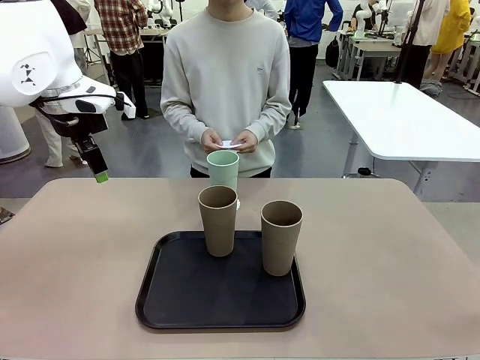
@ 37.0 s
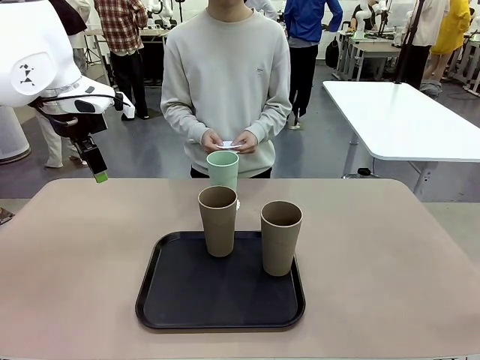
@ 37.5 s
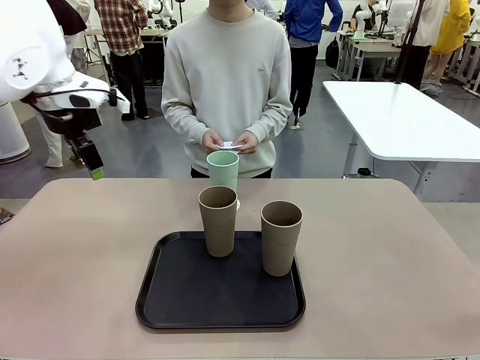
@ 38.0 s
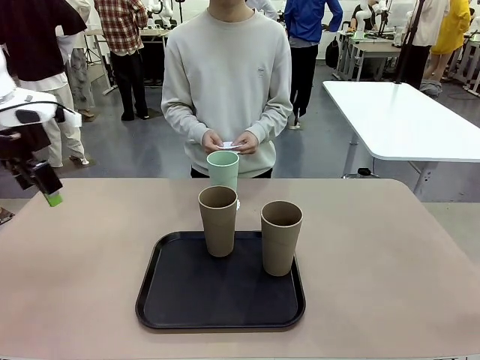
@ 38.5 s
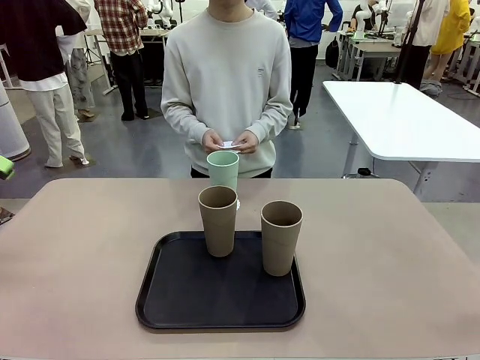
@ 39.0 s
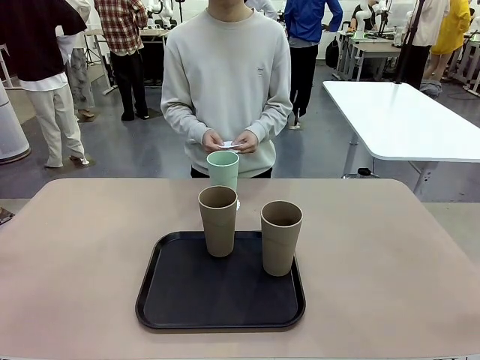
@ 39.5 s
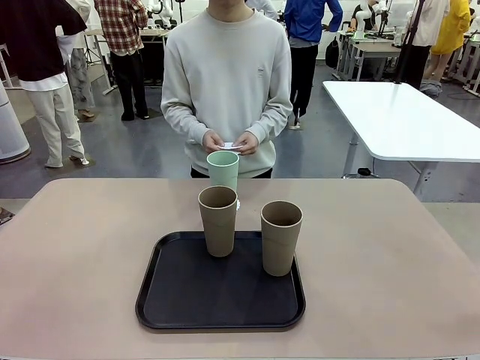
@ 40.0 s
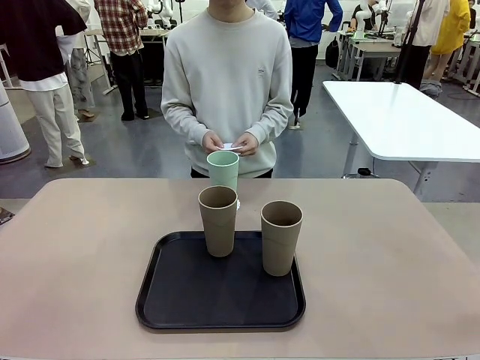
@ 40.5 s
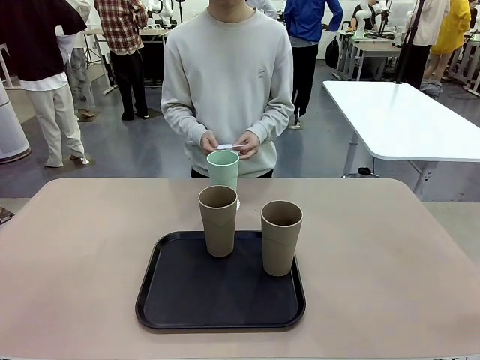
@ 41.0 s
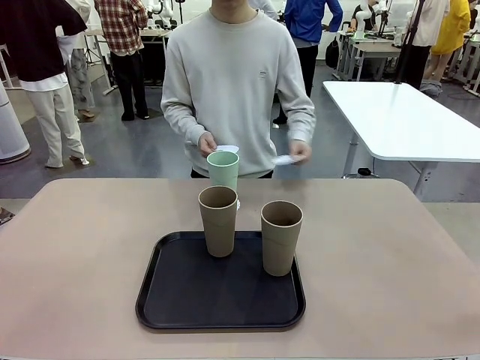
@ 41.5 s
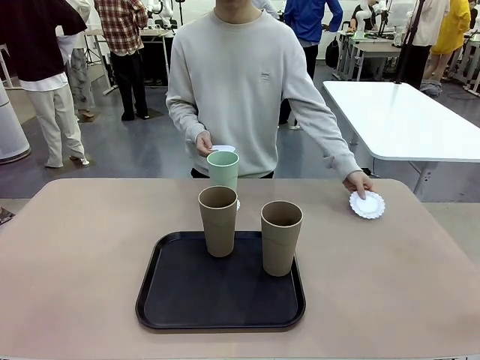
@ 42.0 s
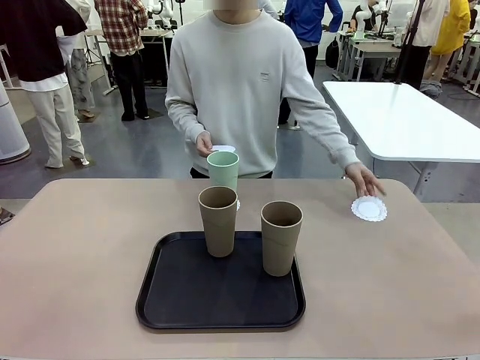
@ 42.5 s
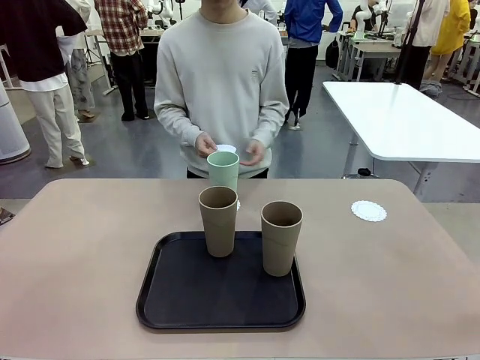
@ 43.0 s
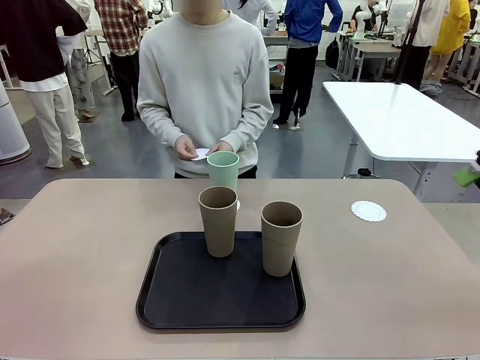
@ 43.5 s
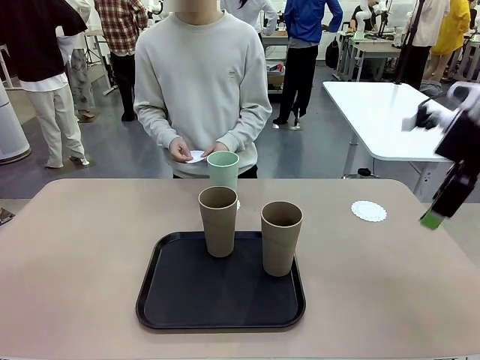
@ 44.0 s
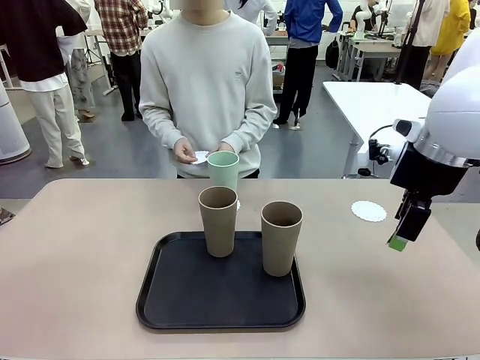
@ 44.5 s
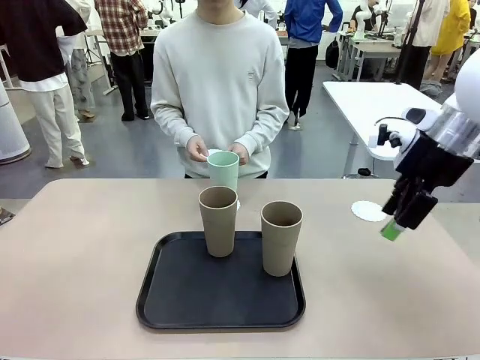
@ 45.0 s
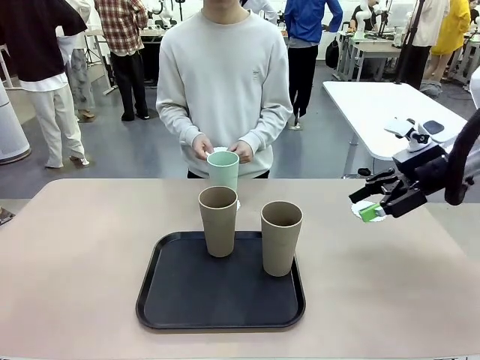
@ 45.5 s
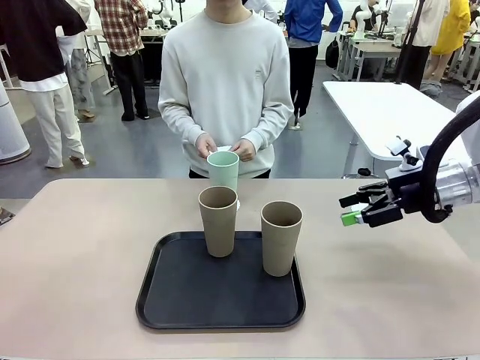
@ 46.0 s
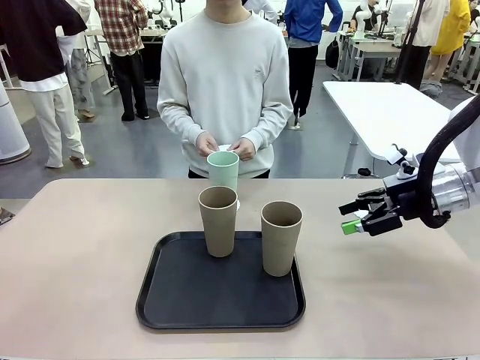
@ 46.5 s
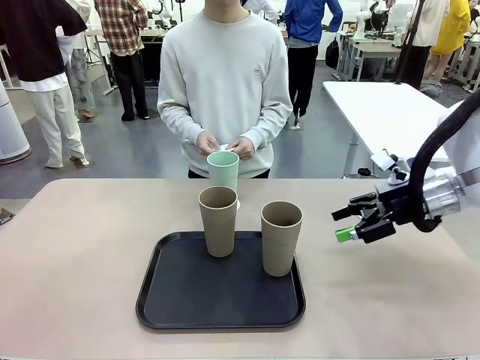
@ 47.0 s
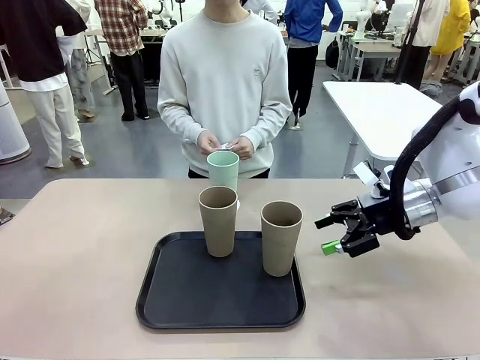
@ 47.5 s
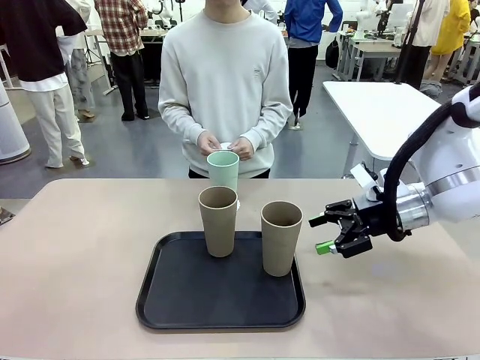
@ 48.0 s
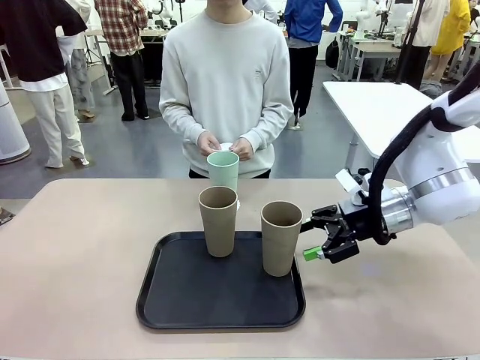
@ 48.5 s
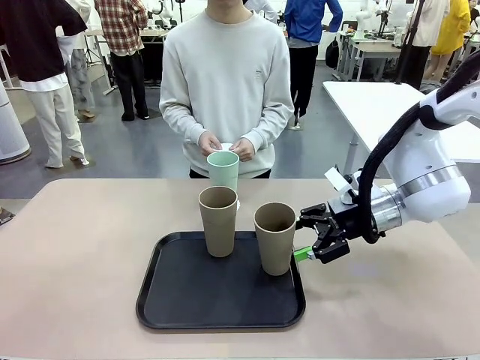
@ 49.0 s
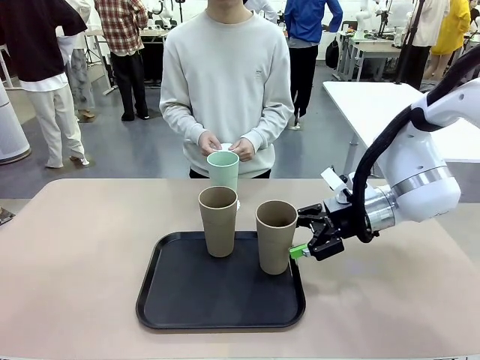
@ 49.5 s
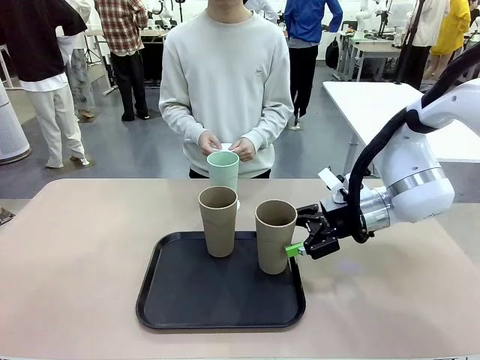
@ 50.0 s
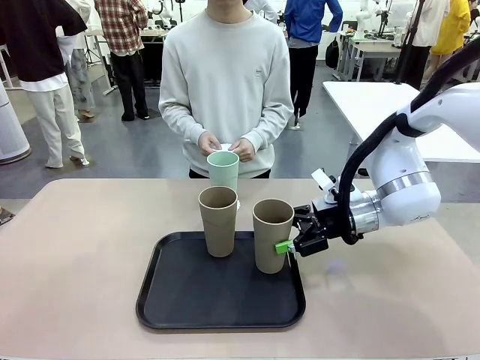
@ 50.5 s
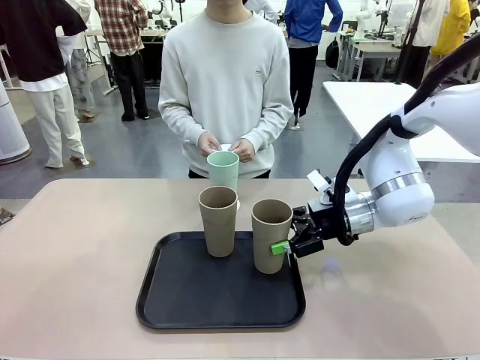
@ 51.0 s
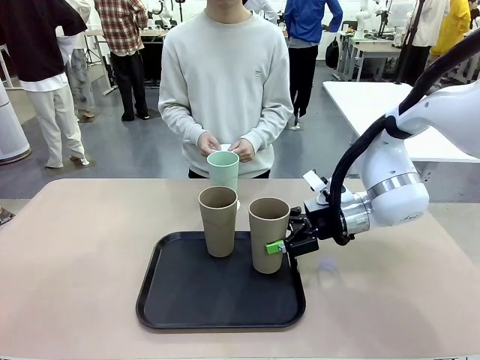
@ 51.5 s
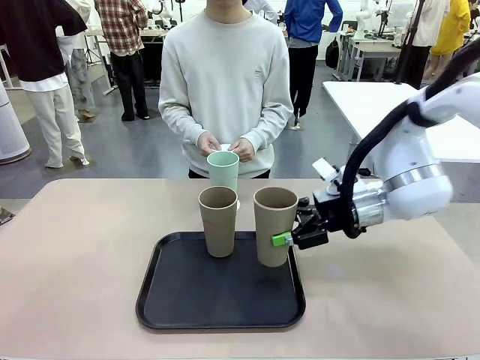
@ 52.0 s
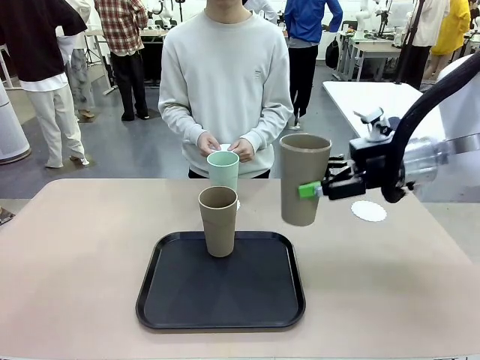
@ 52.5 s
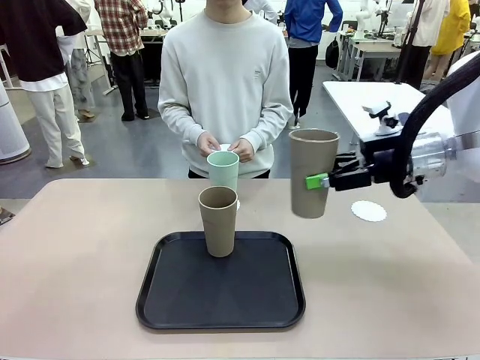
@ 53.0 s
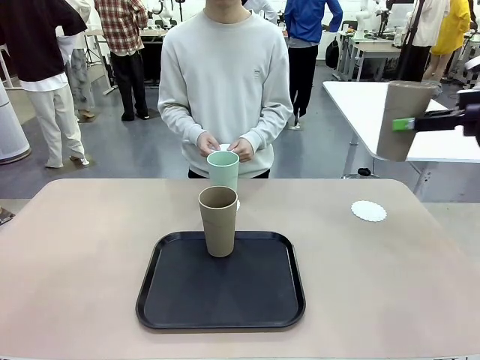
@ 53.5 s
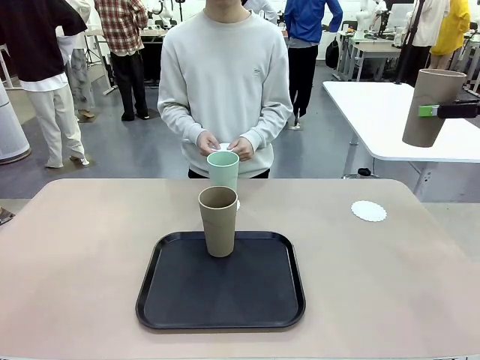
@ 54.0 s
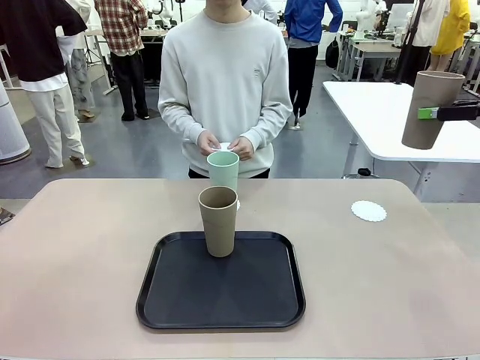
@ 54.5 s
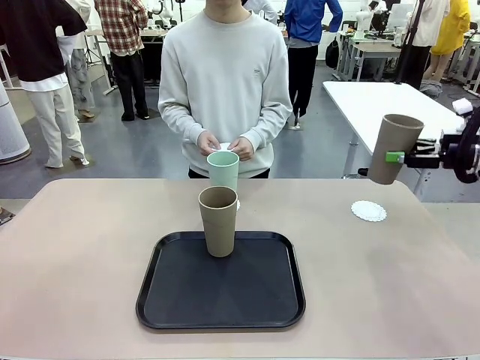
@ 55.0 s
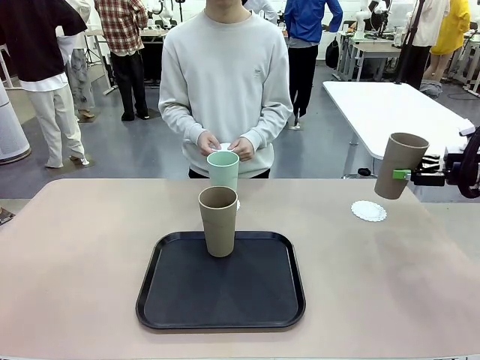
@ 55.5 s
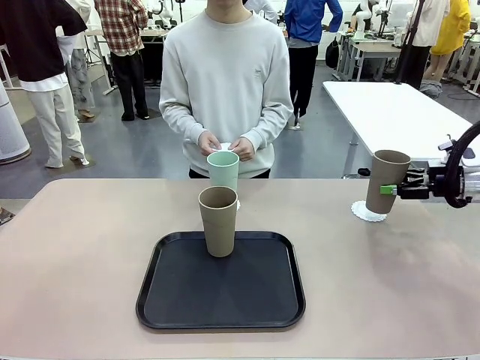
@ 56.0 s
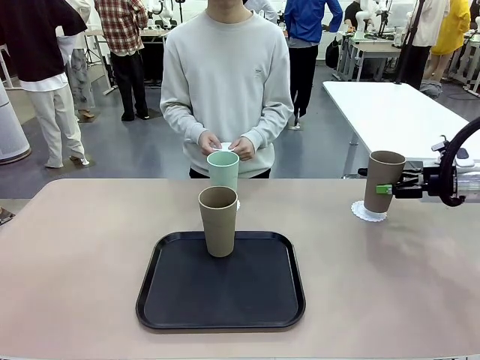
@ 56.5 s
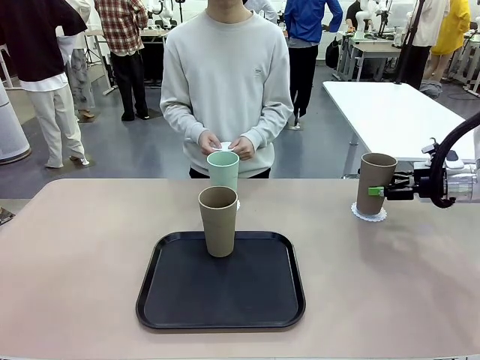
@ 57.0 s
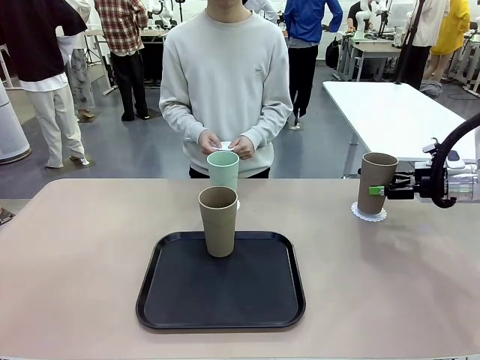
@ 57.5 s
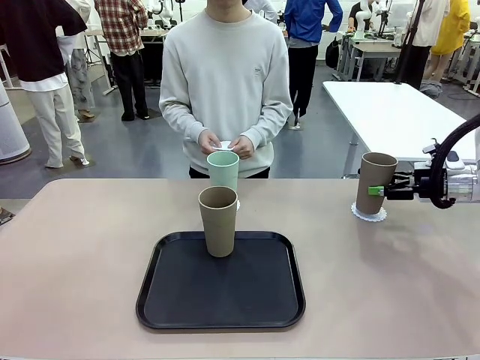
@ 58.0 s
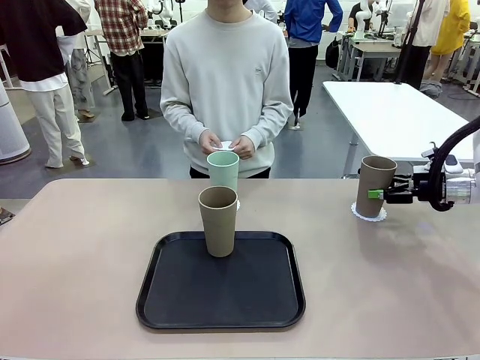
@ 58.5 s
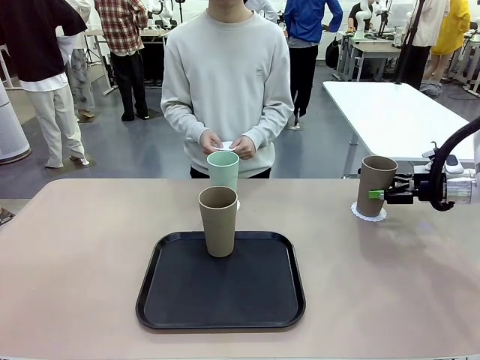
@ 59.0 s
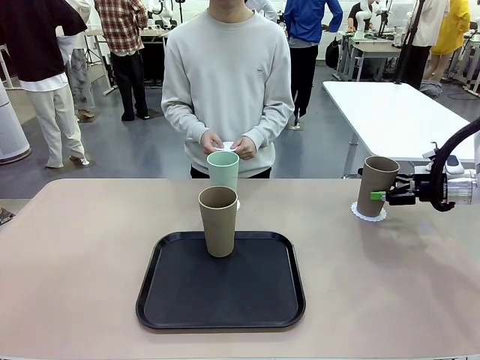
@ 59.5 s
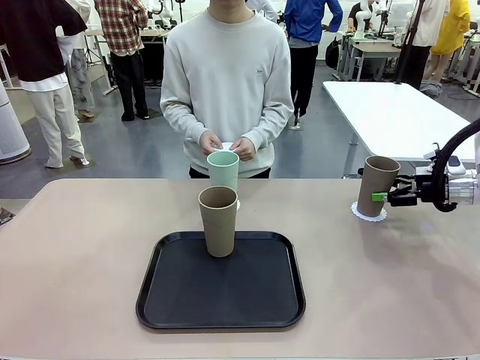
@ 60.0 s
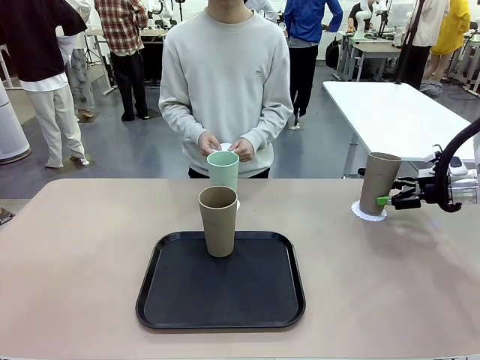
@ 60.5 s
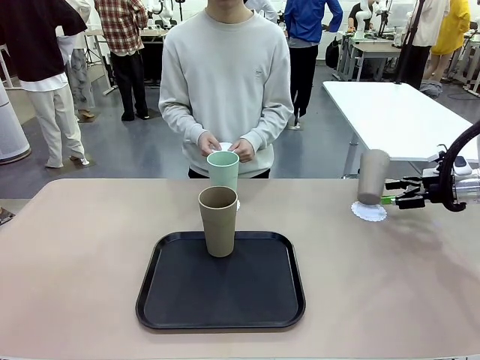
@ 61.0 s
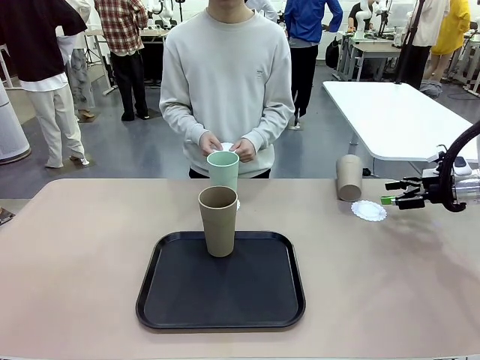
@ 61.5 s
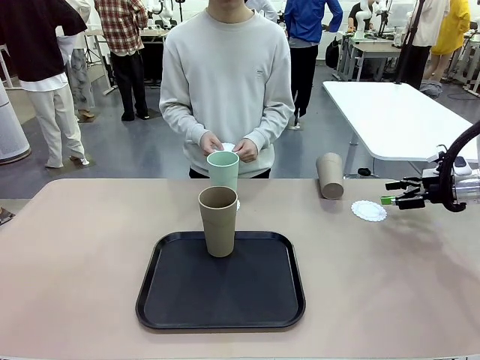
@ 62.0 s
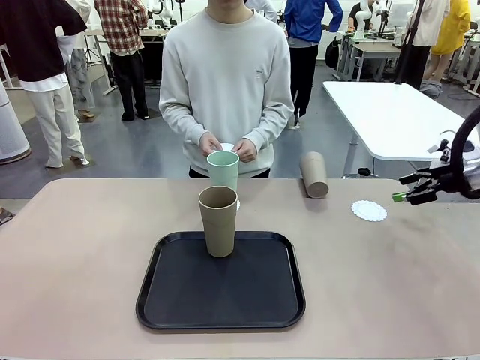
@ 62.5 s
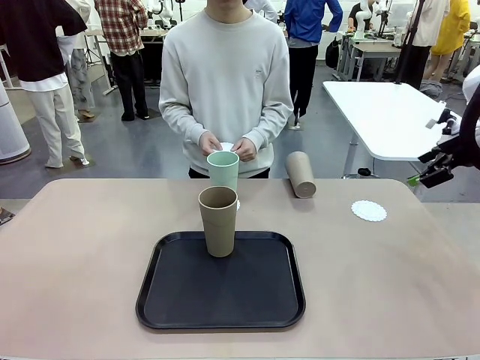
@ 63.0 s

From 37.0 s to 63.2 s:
Task: Place coasters on the table and set cups on them.
Robot: Take one Reusable plastic cup from the Flat Tray and place it on a coaster set by the human.
